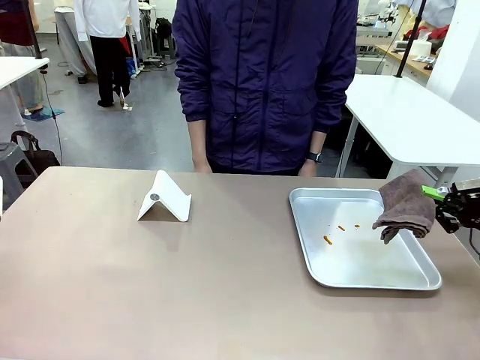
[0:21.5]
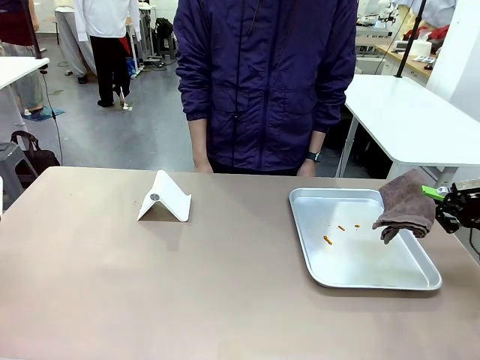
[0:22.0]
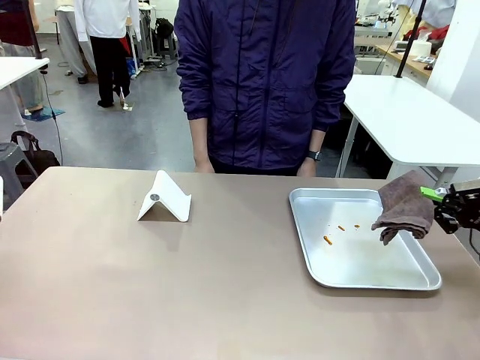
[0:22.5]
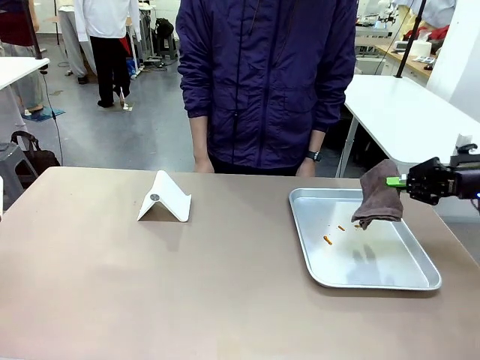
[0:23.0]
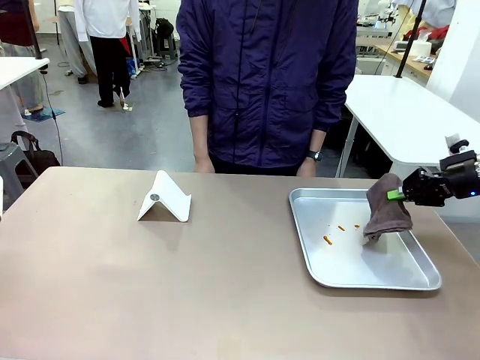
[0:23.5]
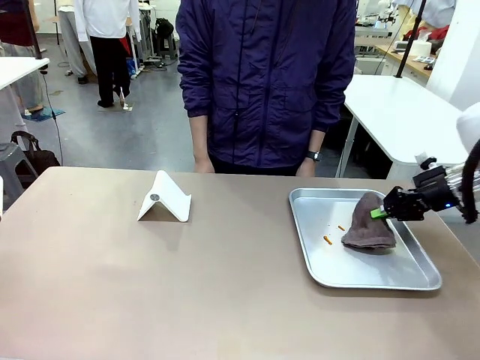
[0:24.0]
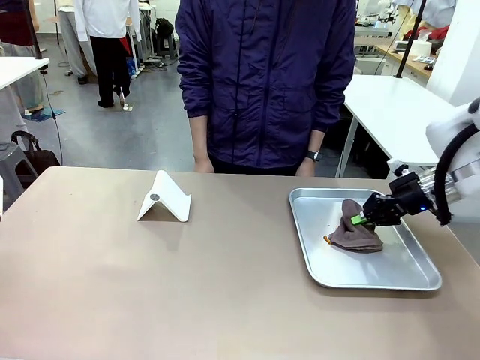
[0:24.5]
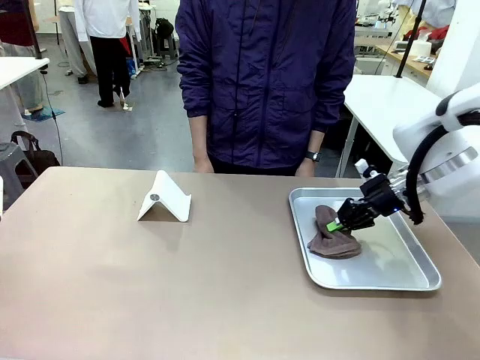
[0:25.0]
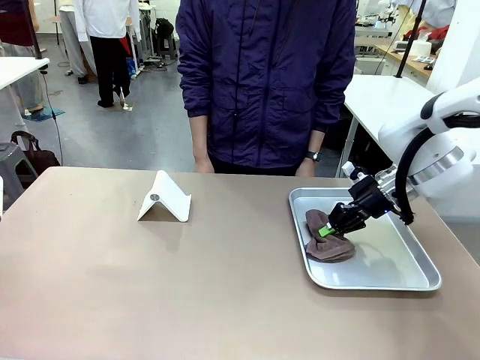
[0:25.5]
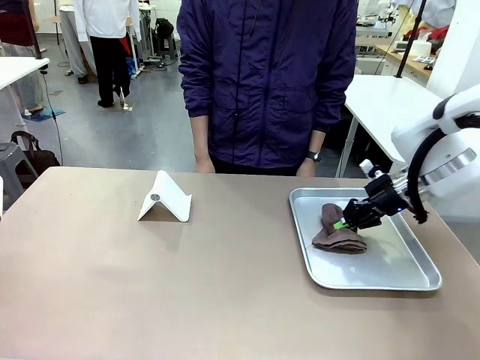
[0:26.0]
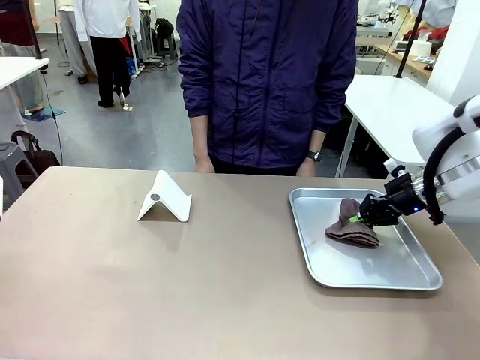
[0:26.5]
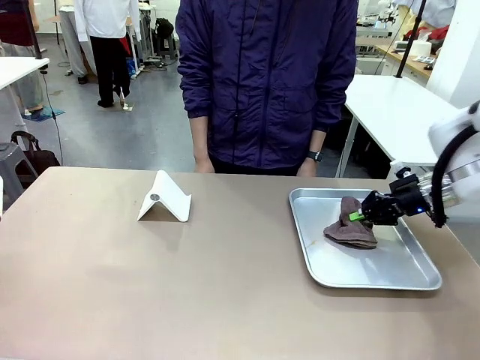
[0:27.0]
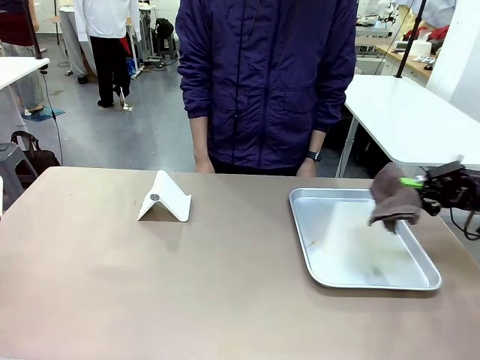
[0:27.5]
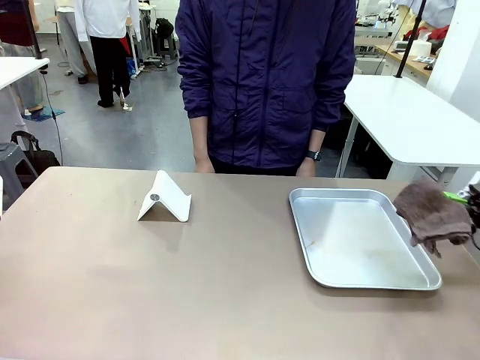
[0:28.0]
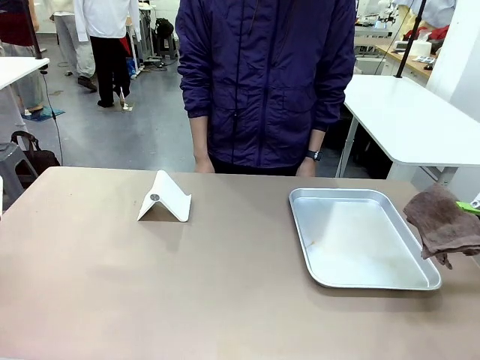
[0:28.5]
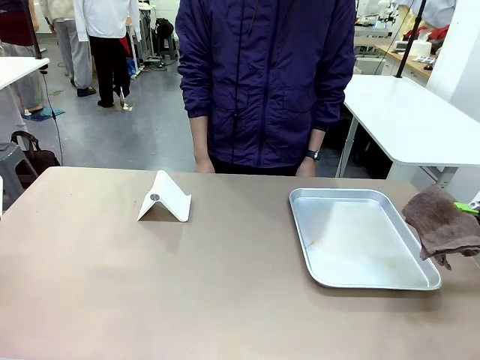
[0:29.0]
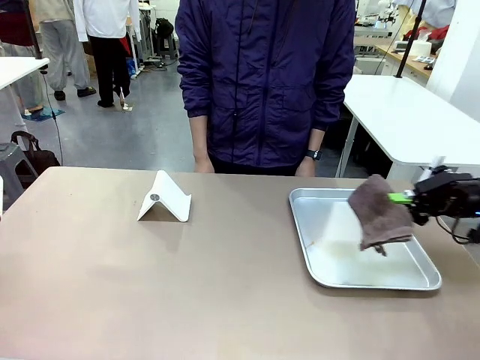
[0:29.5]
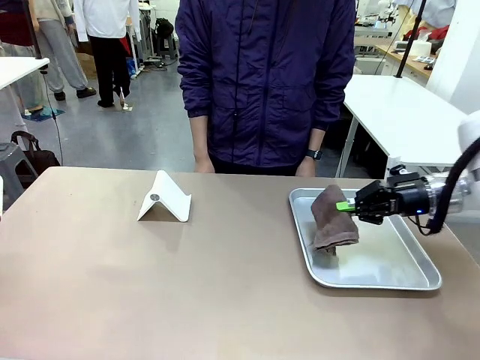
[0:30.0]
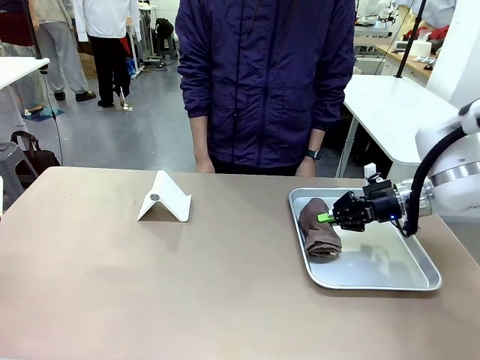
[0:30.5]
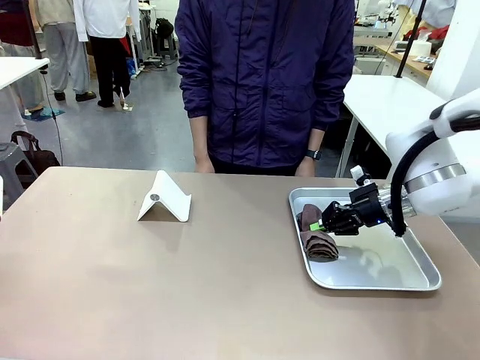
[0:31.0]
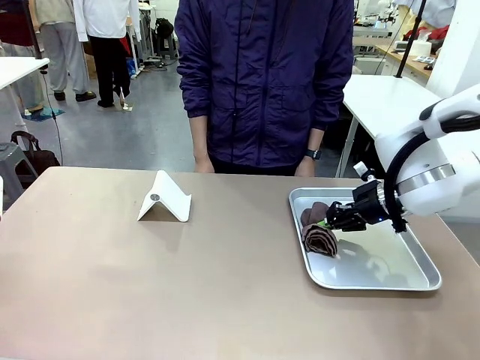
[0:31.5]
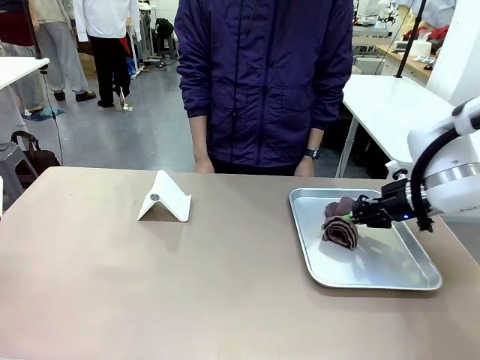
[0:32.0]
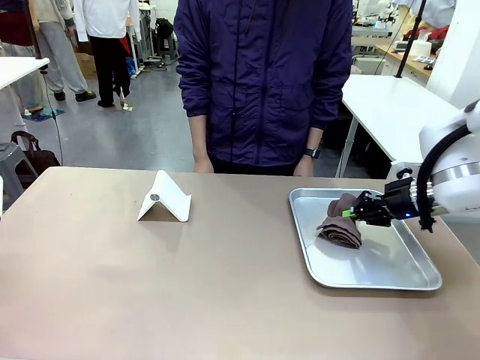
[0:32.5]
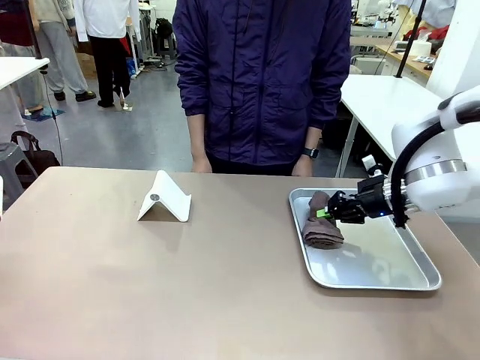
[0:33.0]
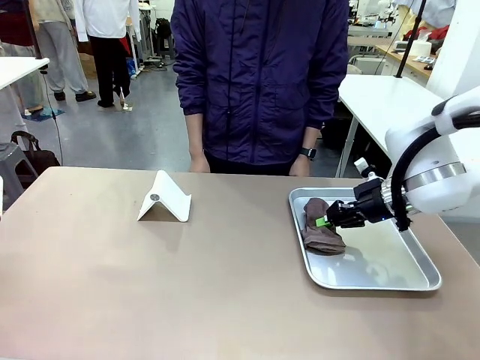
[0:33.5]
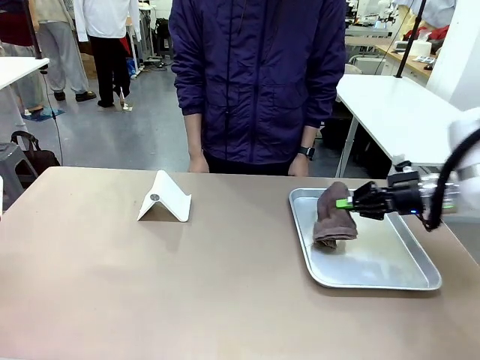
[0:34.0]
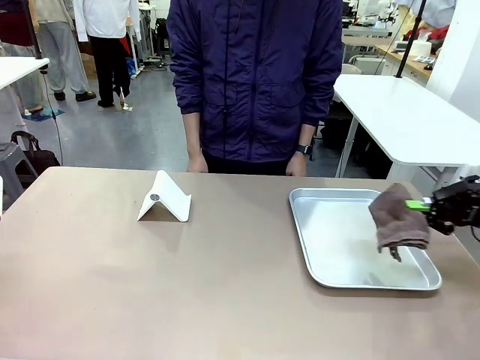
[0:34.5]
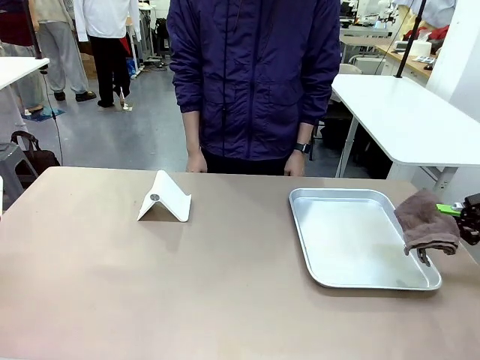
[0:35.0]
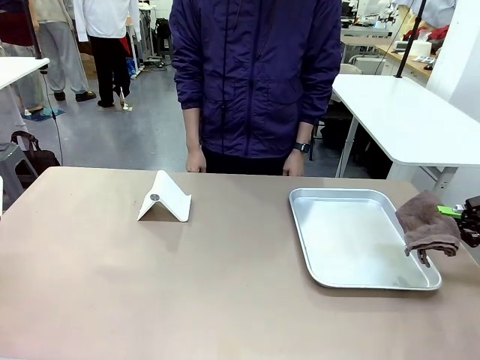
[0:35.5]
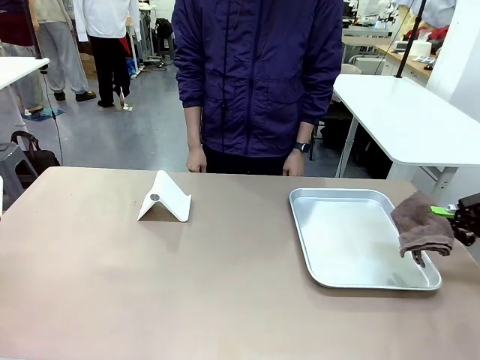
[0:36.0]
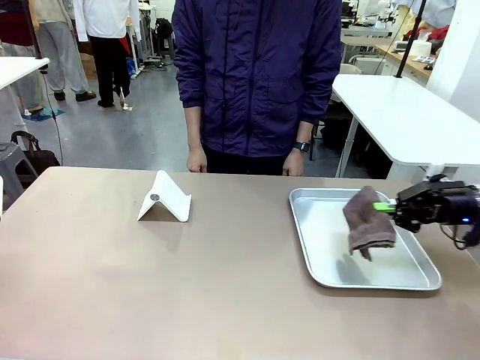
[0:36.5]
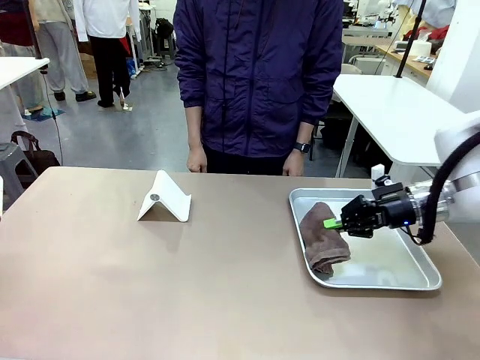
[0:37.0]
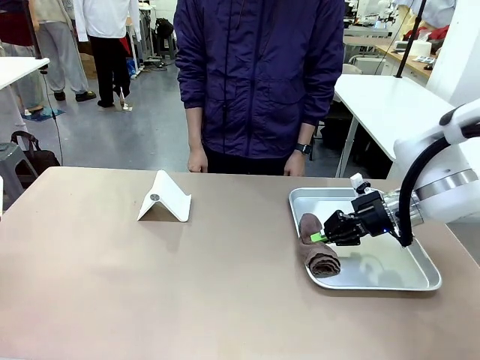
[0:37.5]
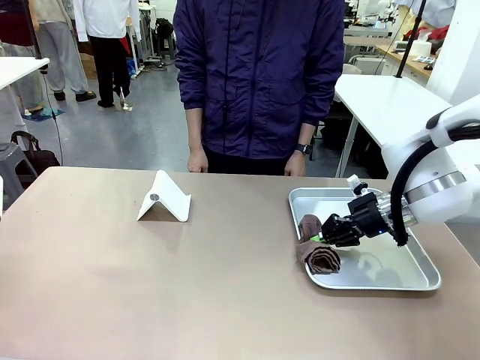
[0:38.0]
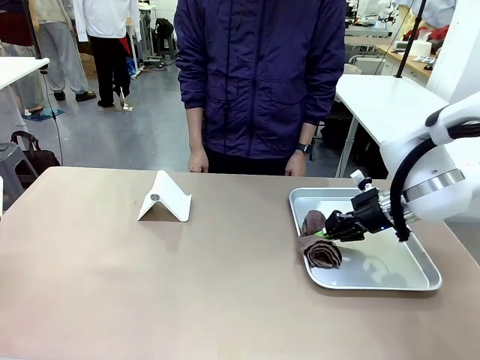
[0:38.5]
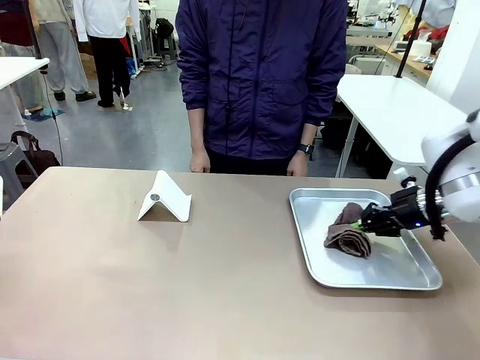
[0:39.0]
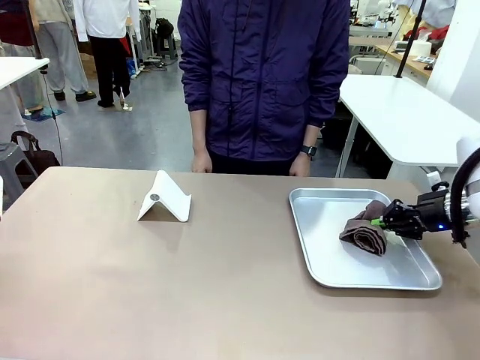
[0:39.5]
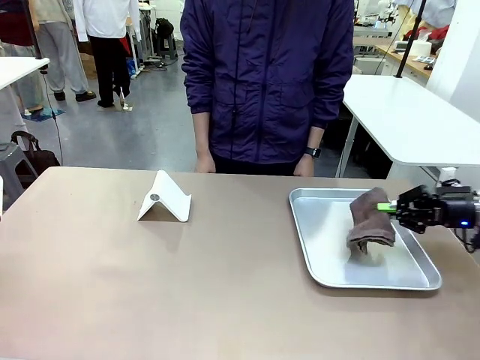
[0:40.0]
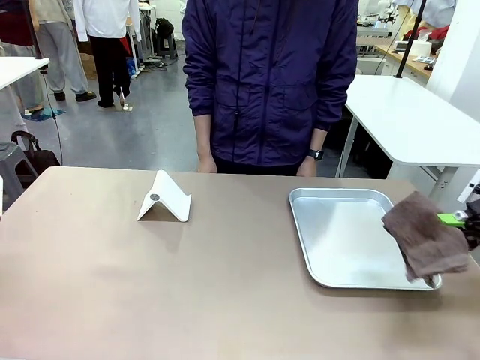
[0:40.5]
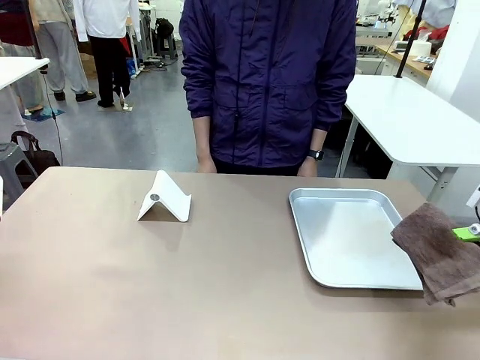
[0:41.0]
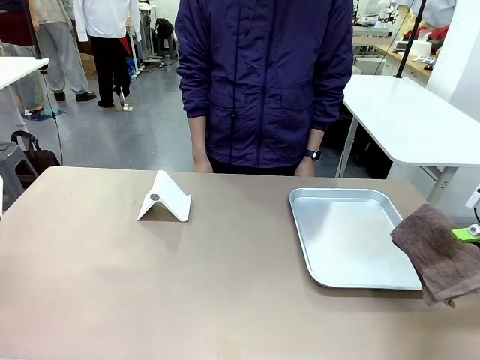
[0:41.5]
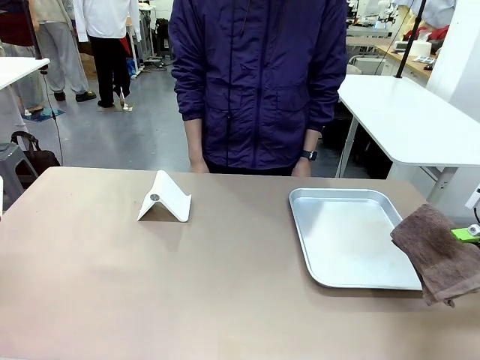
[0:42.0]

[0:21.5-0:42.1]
Task: Clean the surface of the table.
Robot: Clean the area not pointed to by the person.

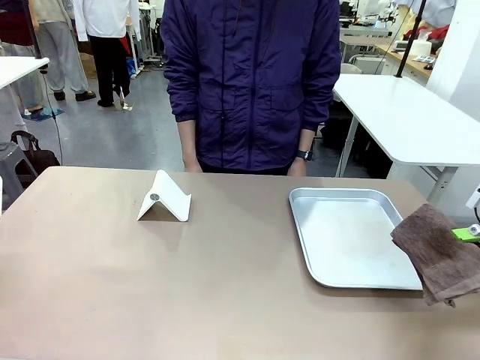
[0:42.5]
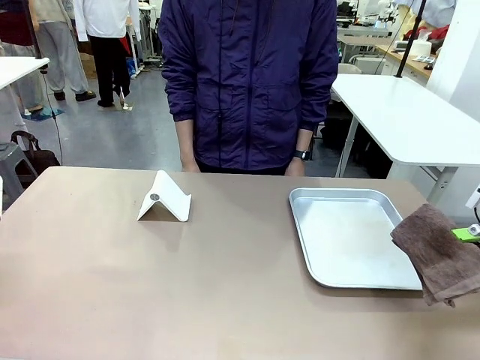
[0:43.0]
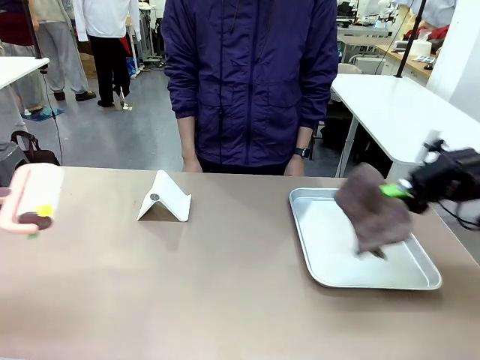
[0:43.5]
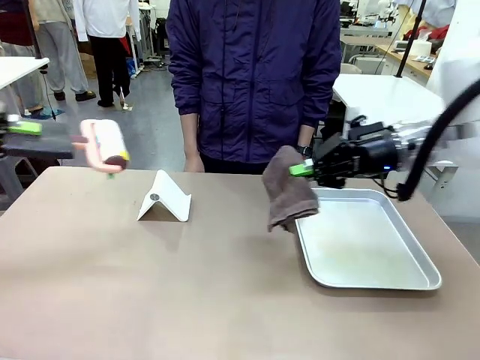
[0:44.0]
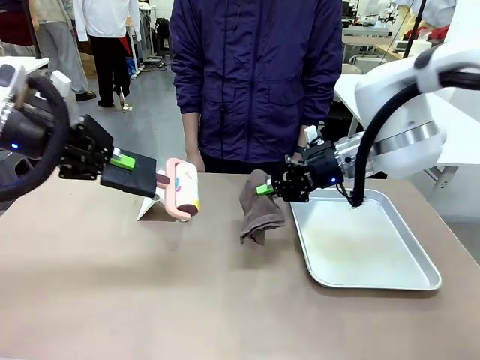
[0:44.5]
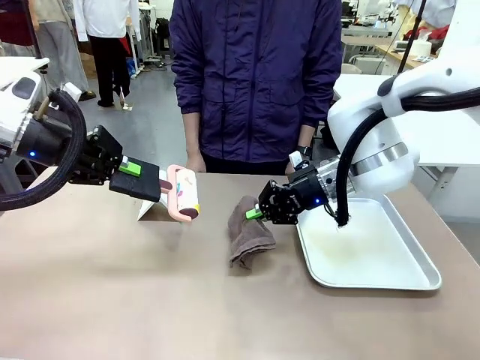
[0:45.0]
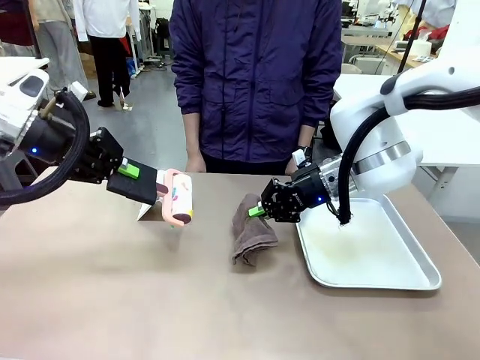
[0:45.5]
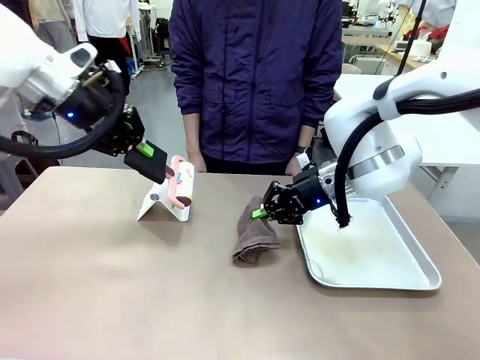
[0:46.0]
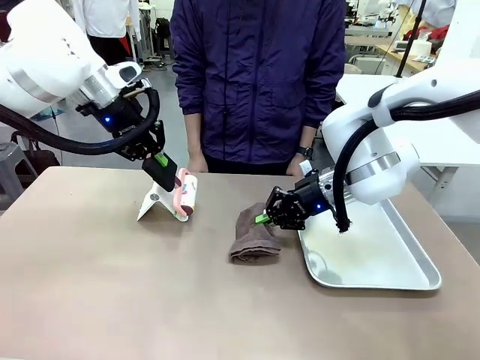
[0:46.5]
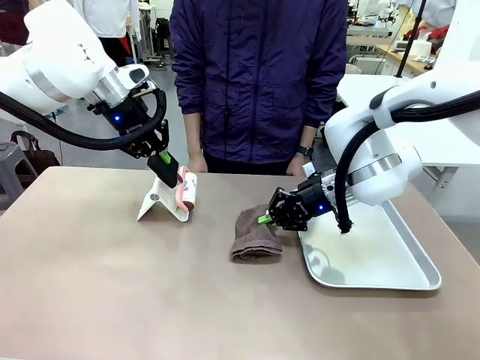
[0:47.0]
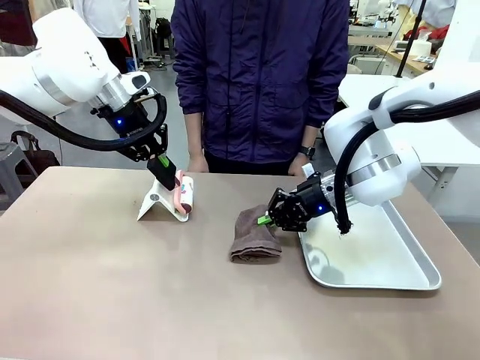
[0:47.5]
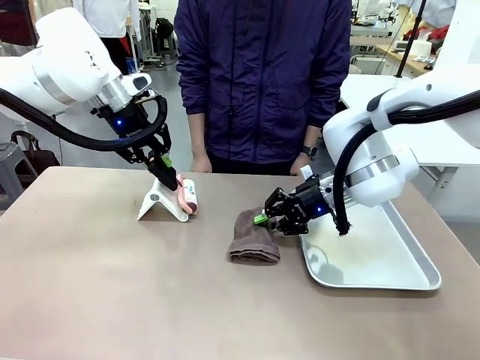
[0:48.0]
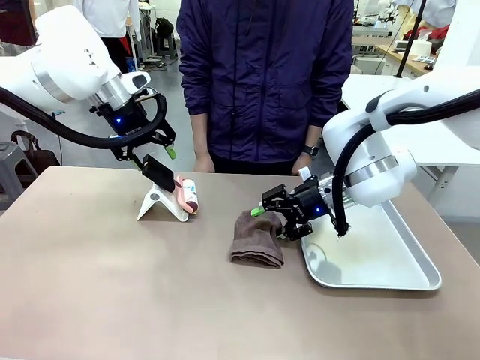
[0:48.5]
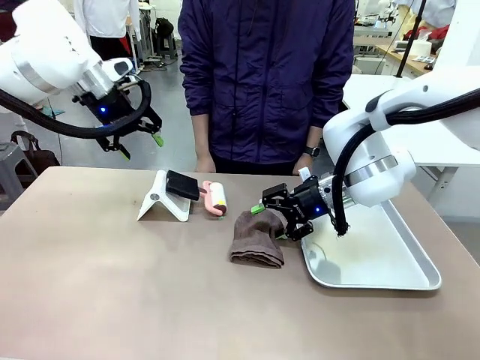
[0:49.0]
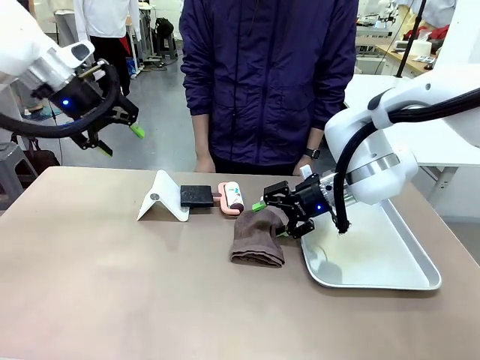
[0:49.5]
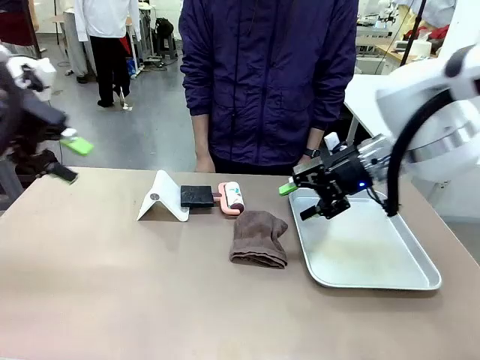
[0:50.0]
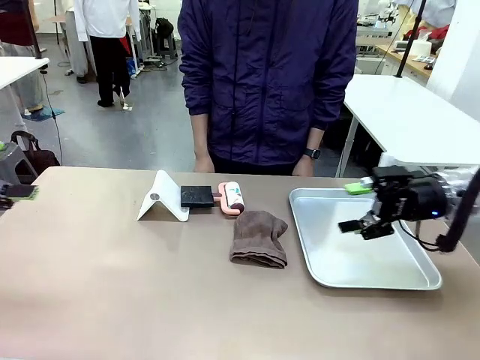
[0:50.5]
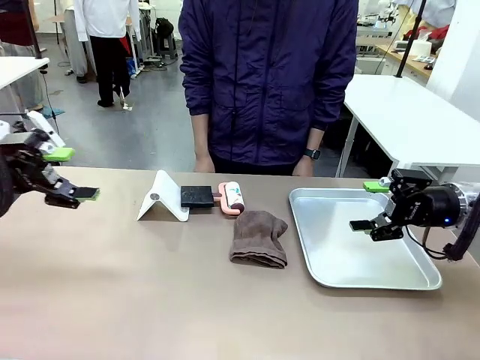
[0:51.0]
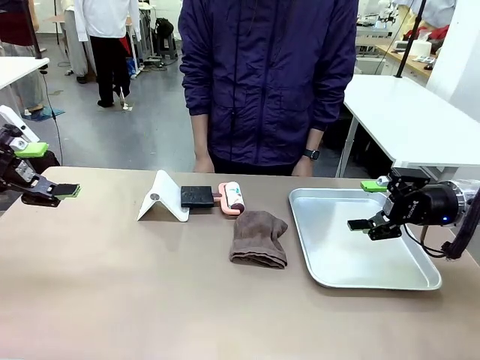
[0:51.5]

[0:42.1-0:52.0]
Robot: Return the Lint Roller and towel to their original positions.
